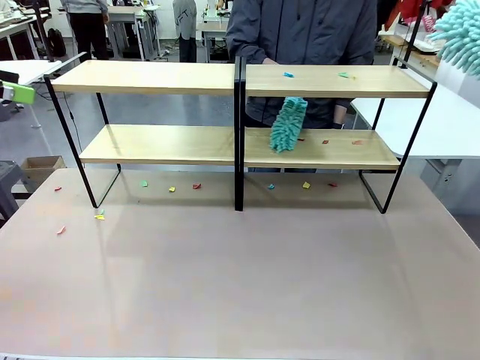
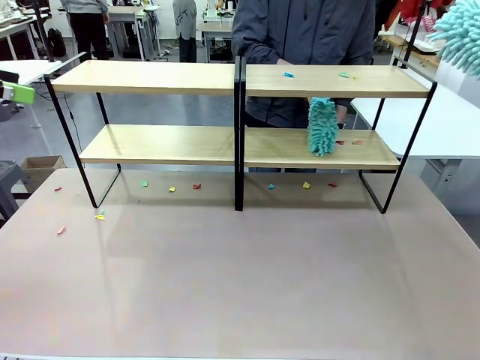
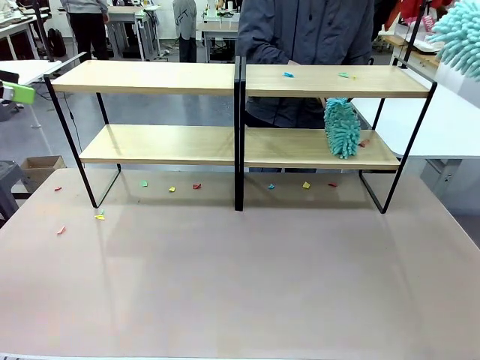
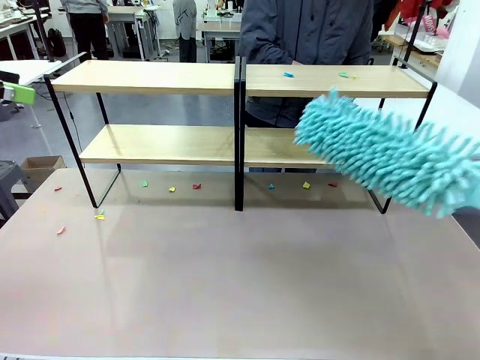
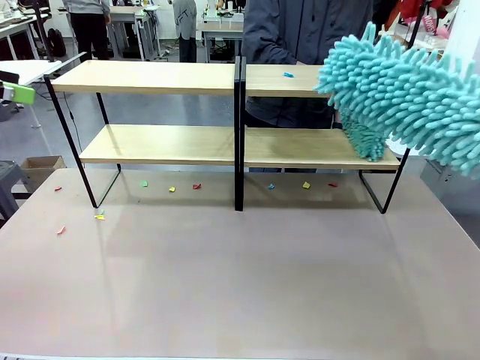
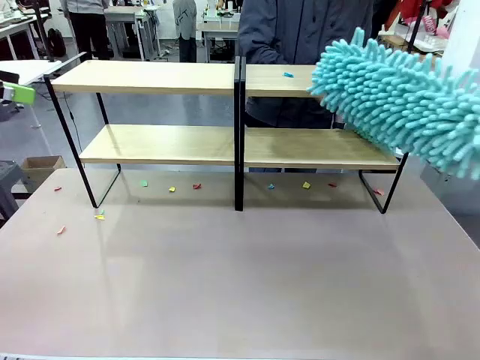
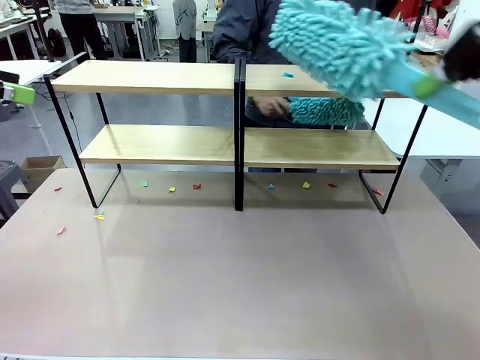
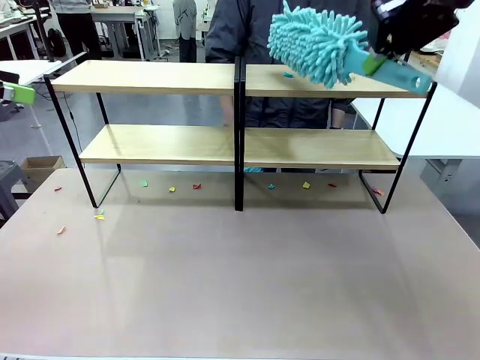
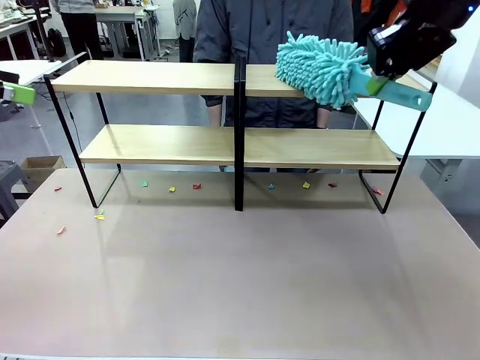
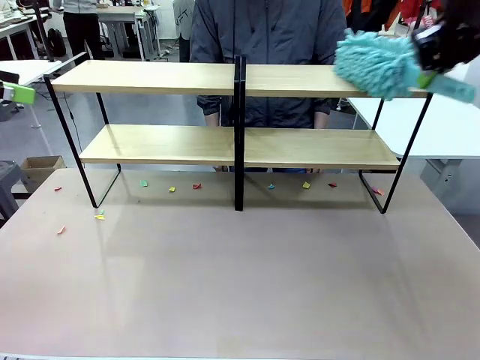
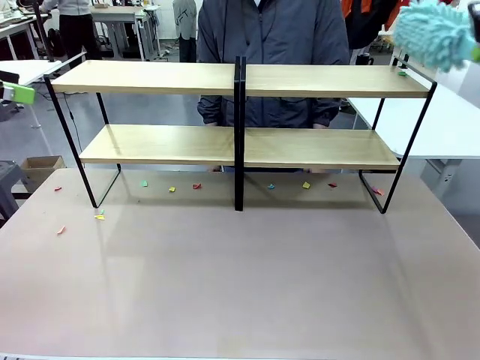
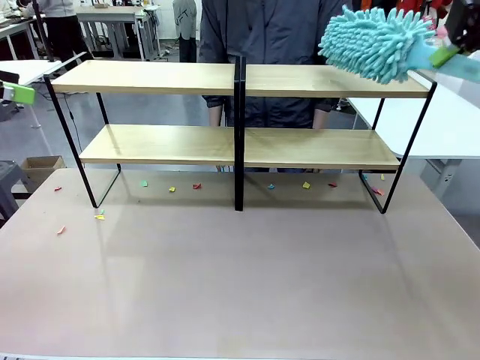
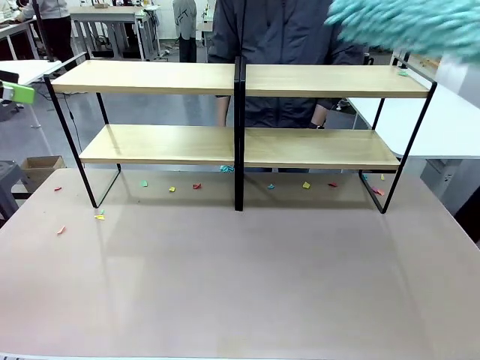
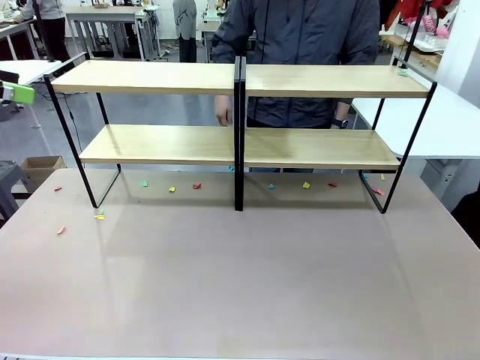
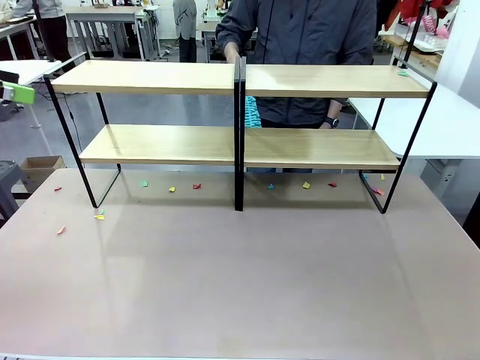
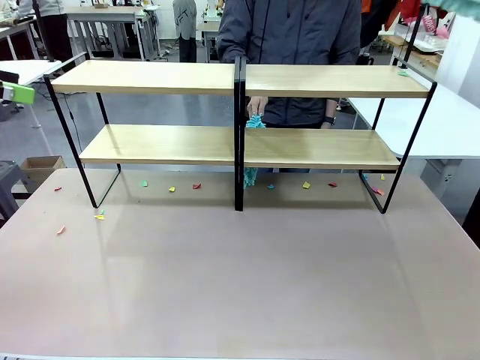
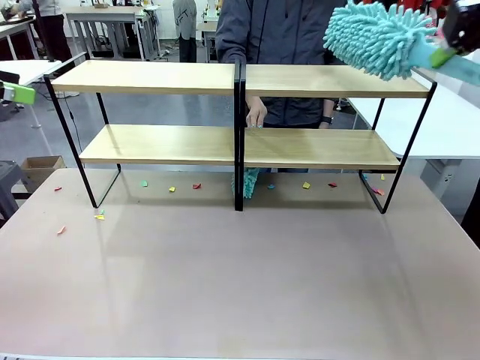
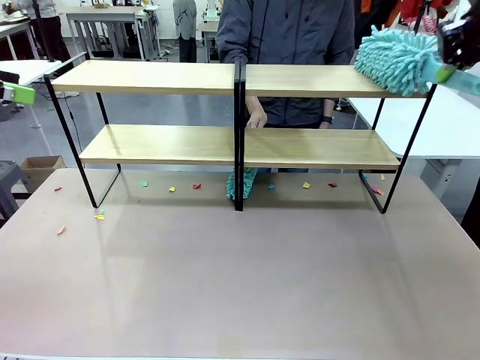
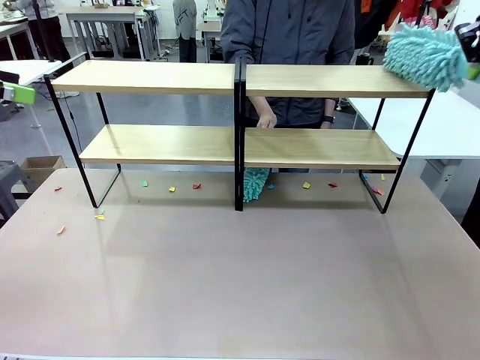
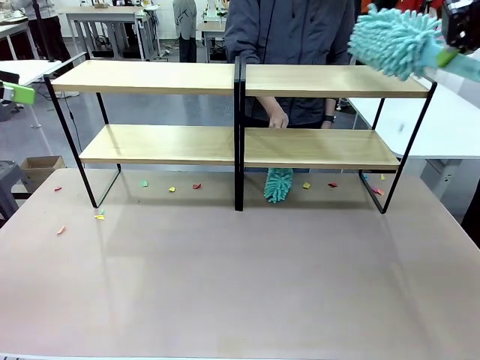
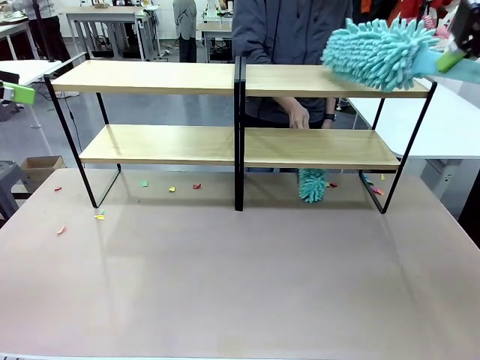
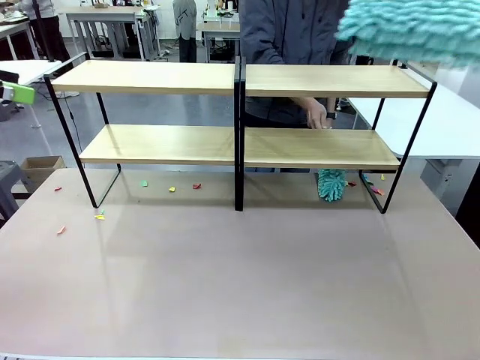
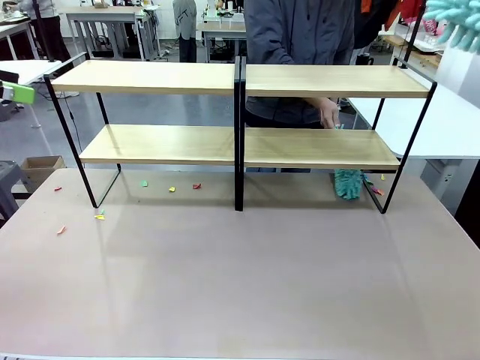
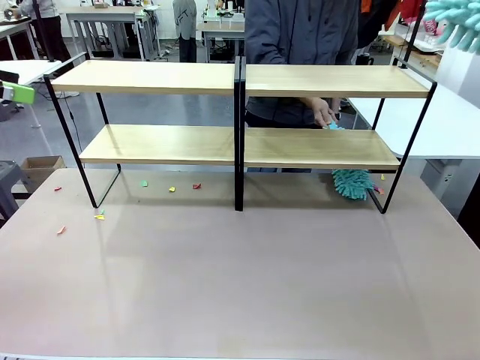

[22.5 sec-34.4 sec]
Task: Clean the shelves.
Robot: Clean another randomly selected level of the Shelf with the Duster.

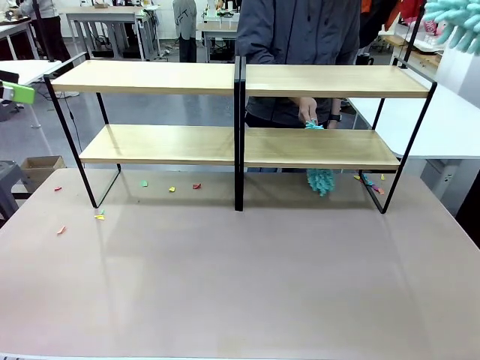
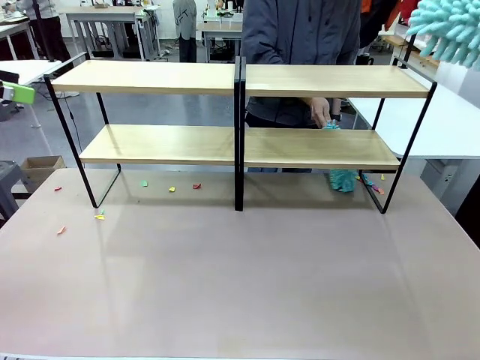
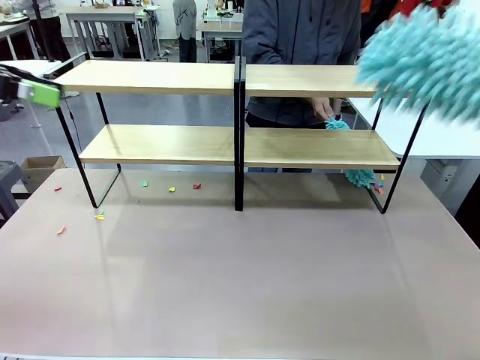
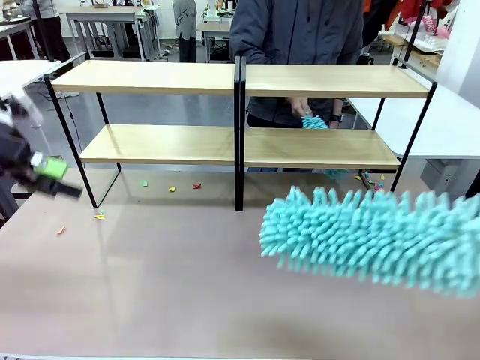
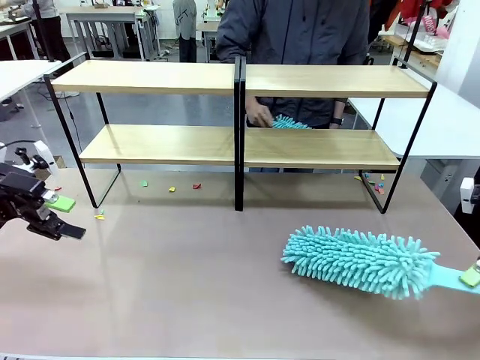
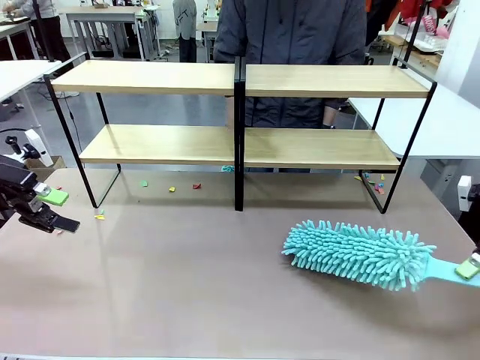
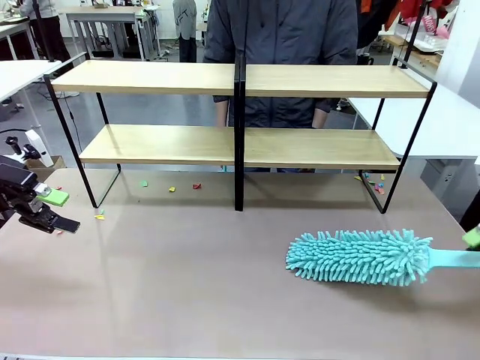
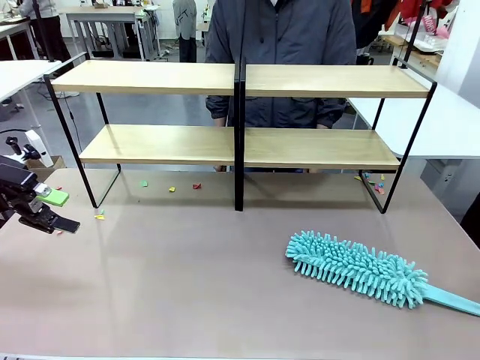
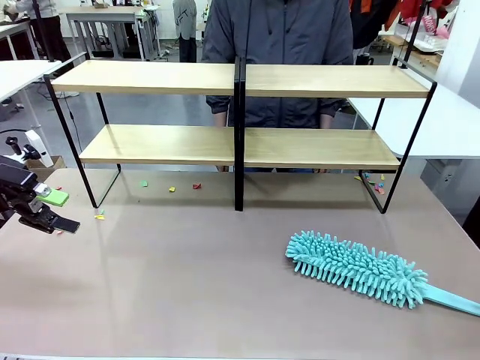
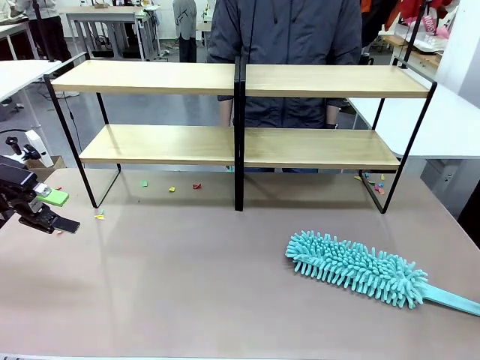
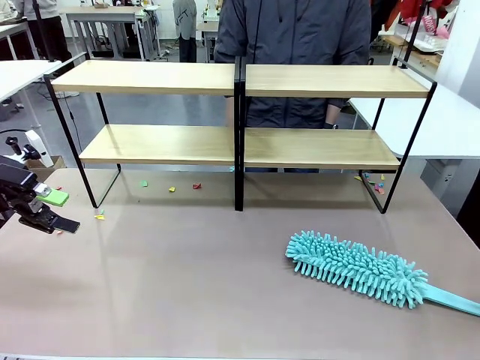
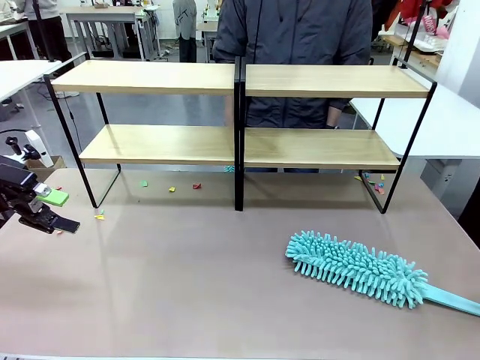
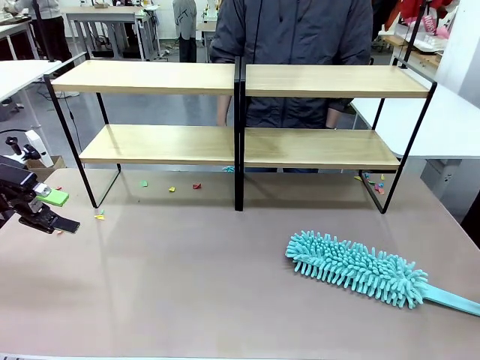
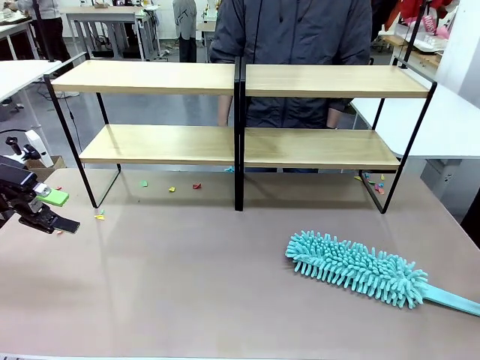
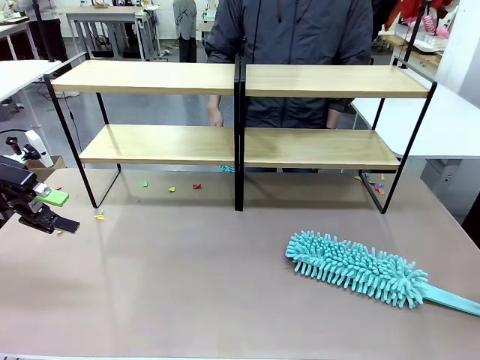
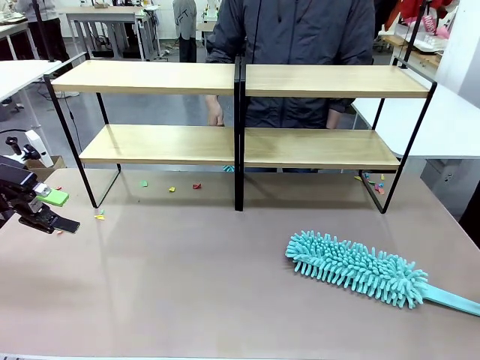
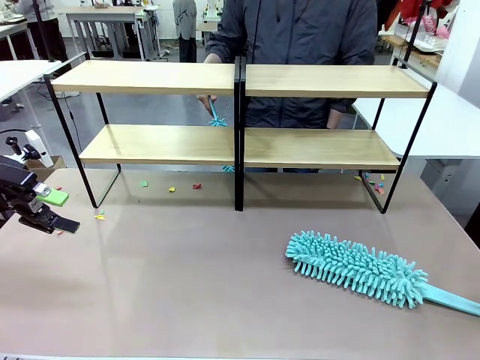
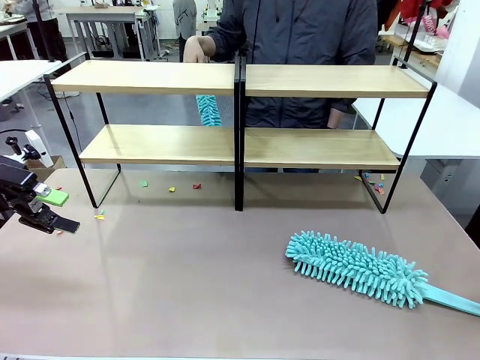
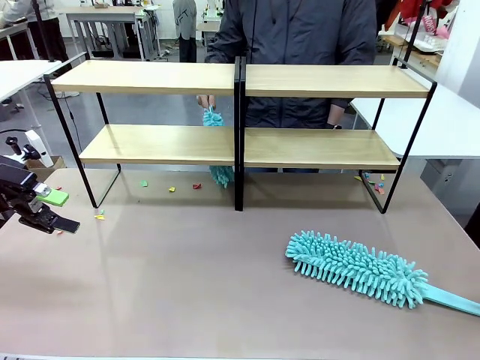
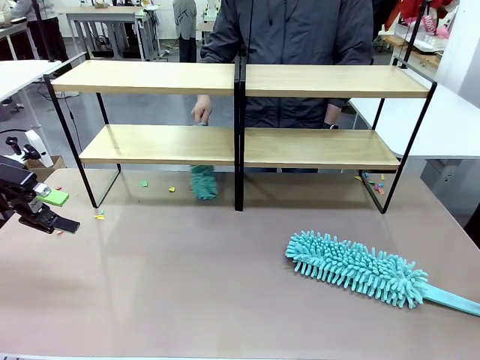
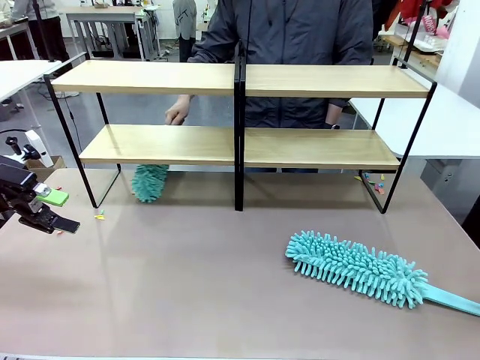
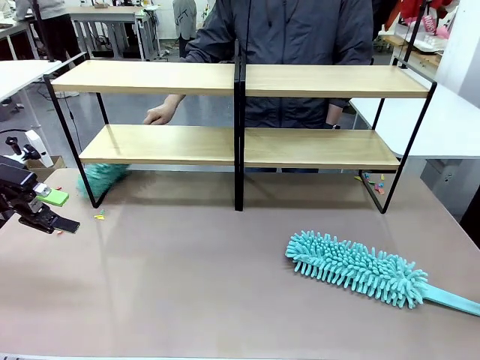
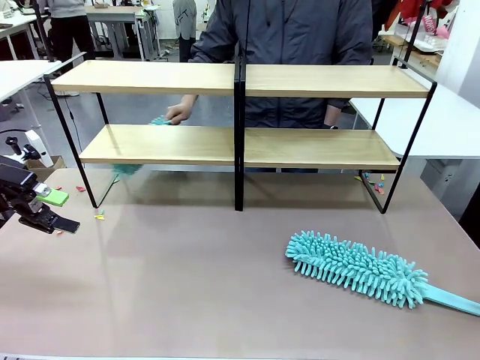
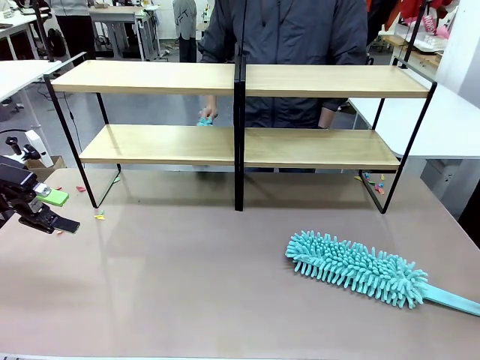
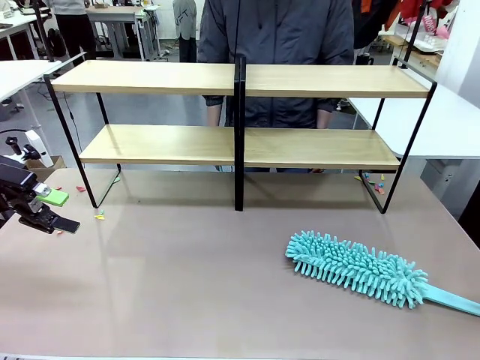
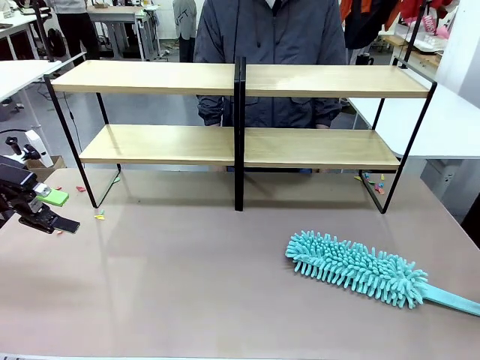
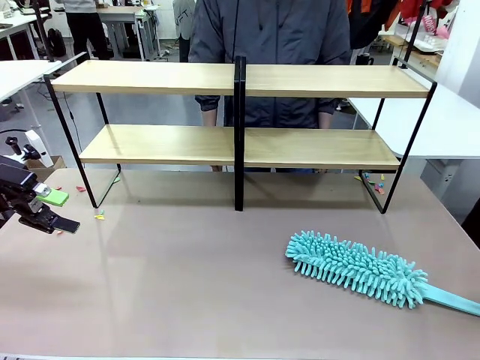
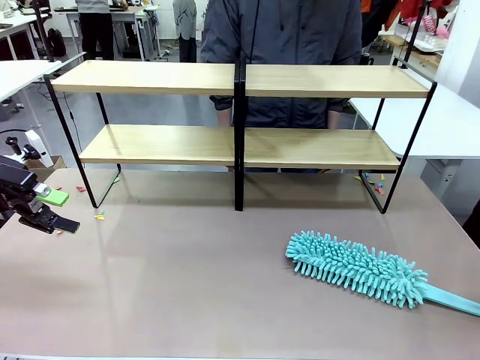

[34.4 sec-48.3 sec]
Robot: Place the Duster on the table.
